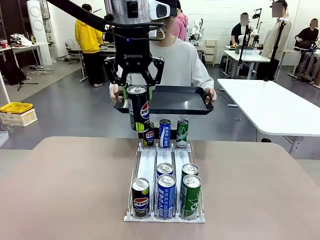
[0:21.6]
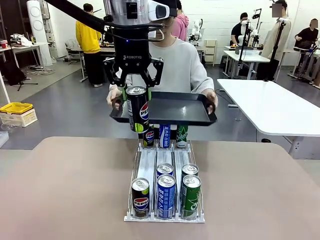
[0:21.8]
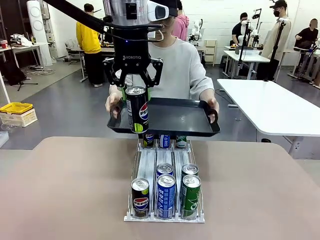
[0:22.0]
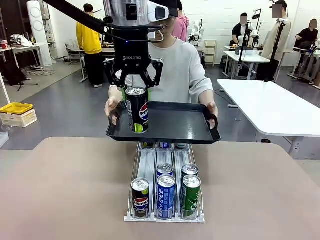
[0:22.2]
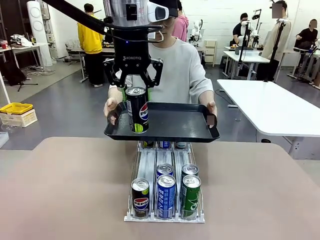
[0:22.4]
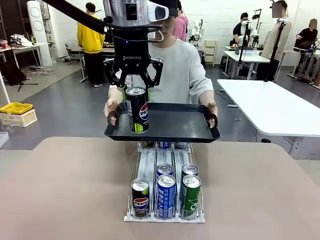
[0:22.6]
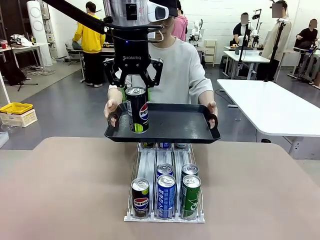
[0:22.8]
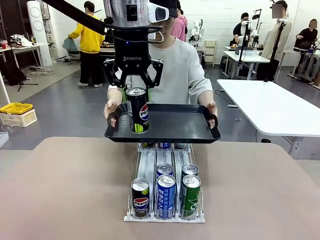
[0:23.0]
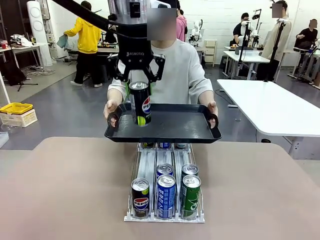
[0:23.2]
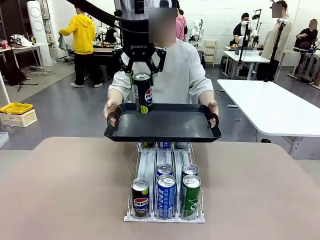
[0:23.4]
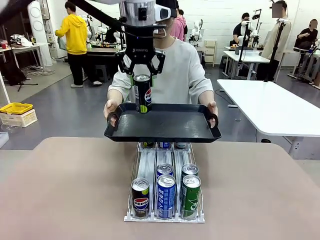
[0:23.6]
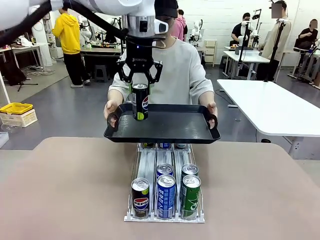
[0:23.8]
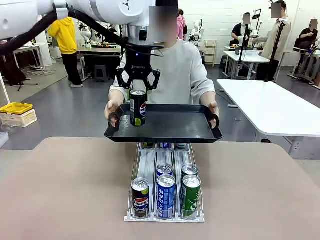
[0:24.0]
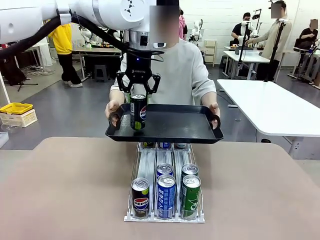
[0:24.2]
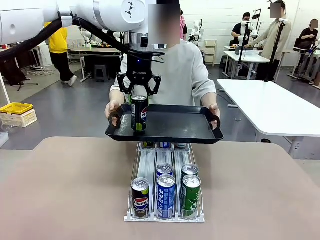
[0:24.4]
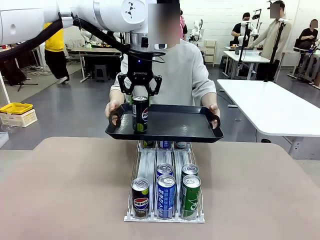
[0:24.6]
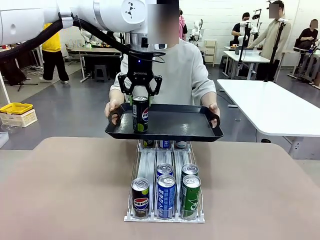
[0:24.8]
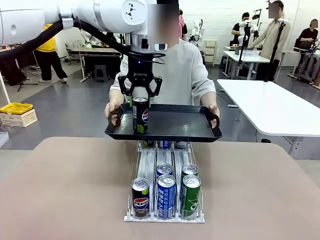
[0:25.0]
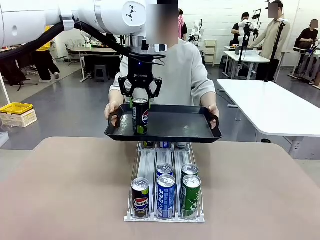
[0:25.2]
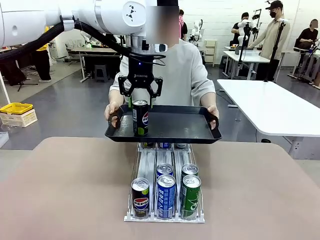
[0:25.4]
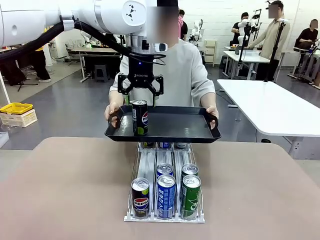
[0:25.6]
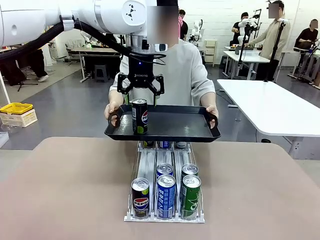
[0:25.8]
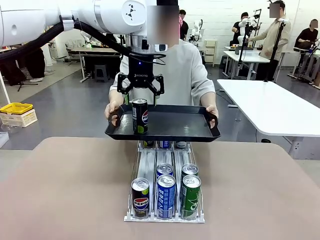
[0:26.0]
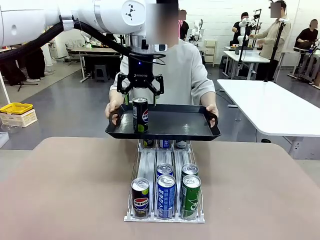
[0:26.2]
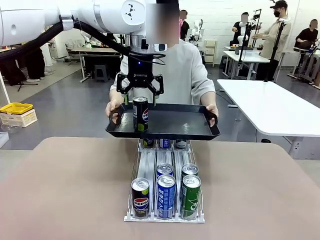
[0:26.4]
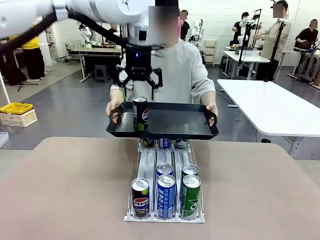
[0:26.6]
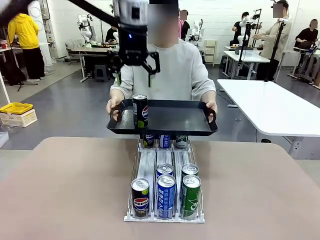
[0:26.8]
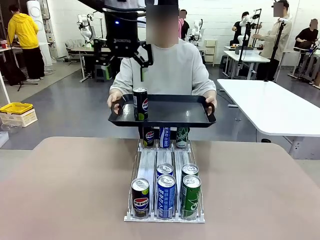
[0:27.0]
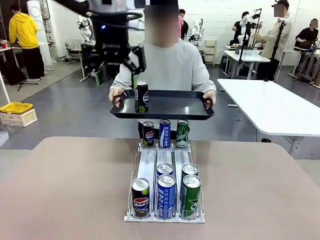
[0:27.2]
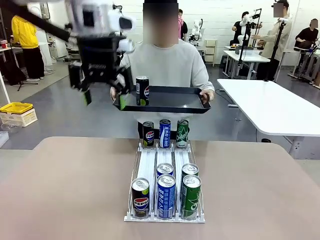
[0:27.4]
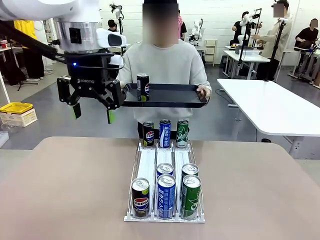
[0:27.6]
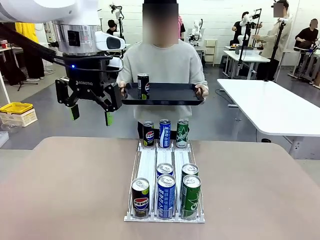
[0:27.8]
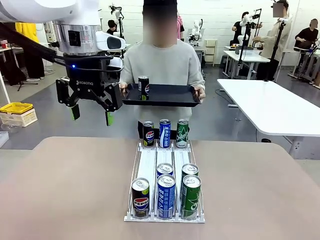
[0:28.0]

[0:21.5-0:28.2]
Task: Retrieve and hand over the desired beverage to the person.
Robot: Place the picked can on the Handle tray extended by the person.

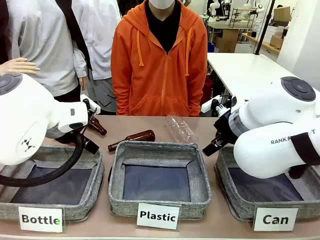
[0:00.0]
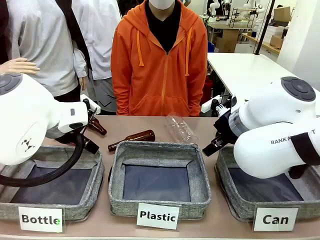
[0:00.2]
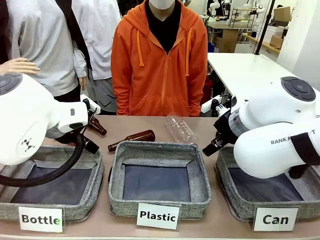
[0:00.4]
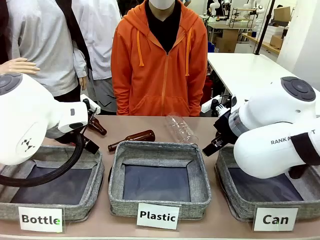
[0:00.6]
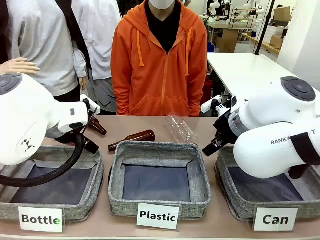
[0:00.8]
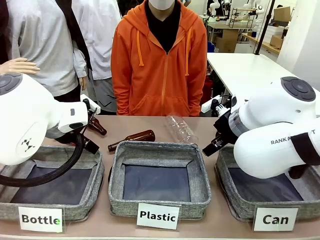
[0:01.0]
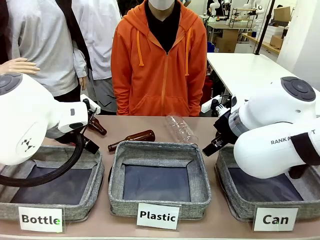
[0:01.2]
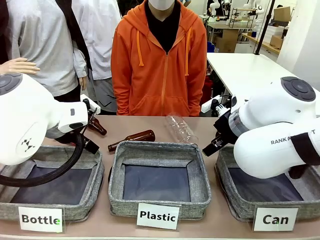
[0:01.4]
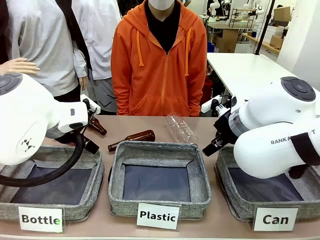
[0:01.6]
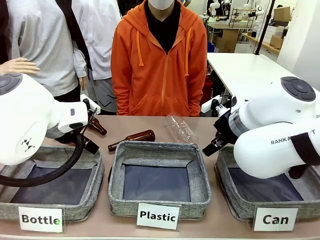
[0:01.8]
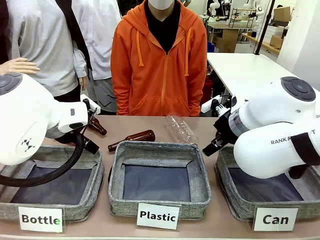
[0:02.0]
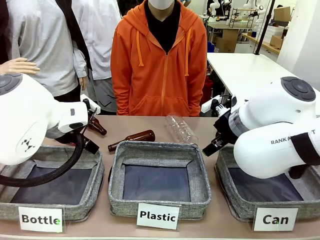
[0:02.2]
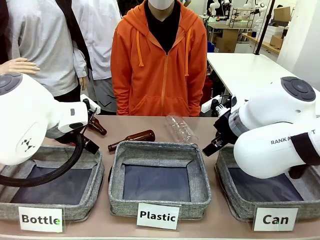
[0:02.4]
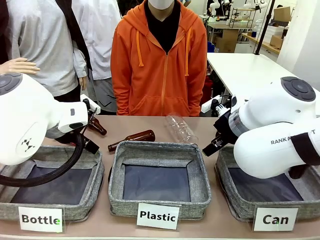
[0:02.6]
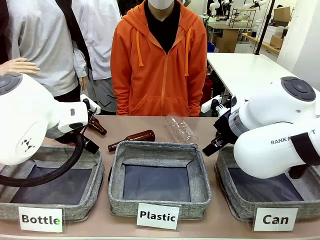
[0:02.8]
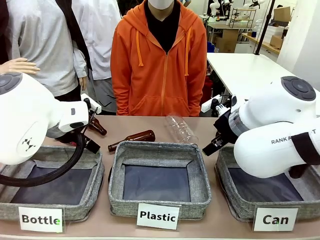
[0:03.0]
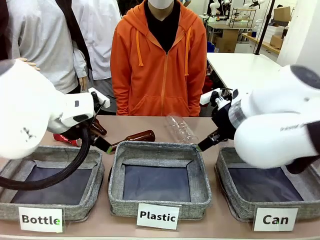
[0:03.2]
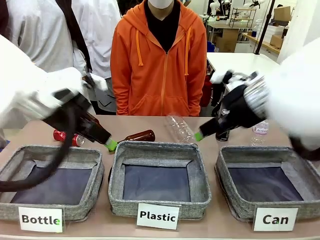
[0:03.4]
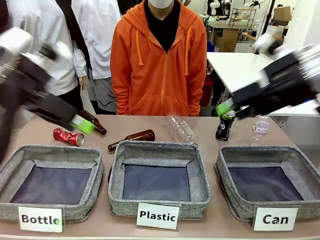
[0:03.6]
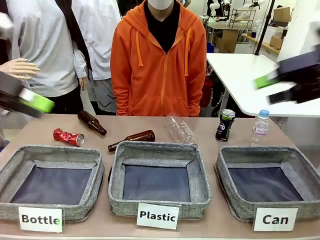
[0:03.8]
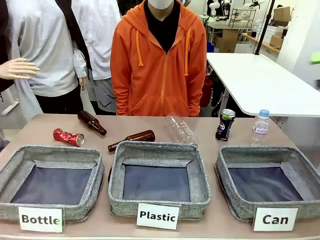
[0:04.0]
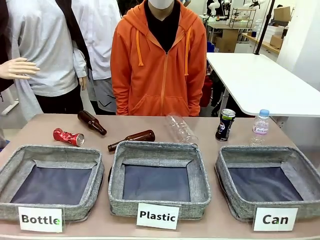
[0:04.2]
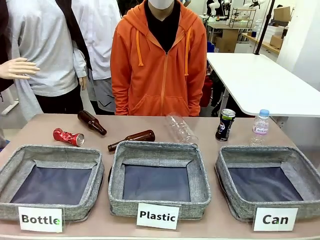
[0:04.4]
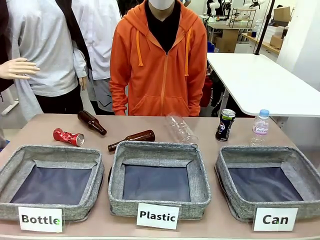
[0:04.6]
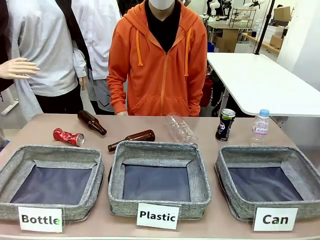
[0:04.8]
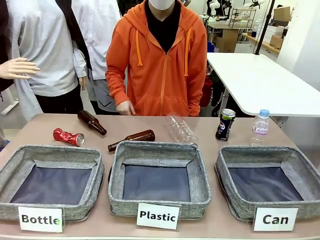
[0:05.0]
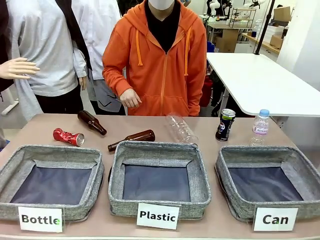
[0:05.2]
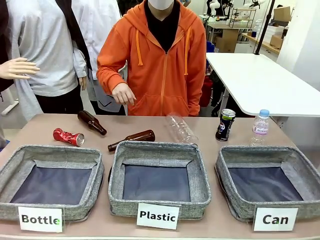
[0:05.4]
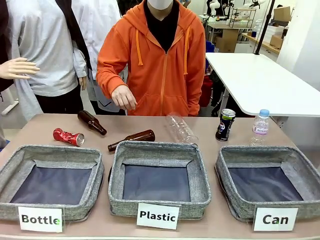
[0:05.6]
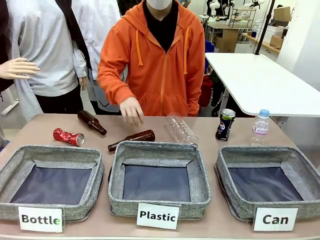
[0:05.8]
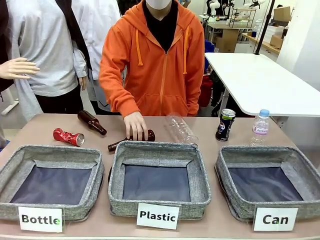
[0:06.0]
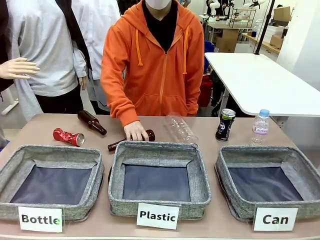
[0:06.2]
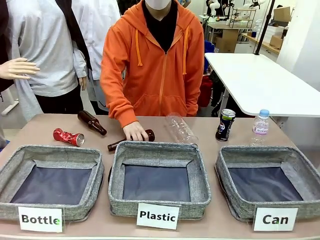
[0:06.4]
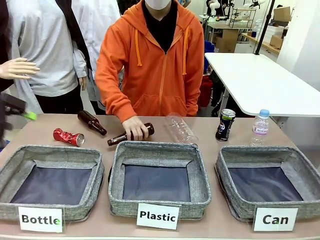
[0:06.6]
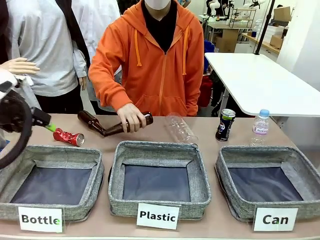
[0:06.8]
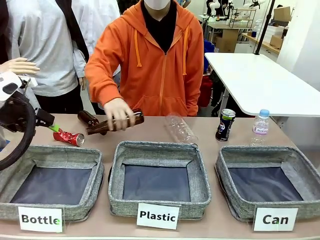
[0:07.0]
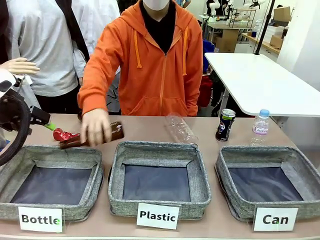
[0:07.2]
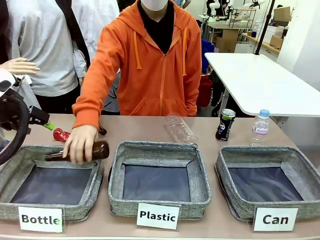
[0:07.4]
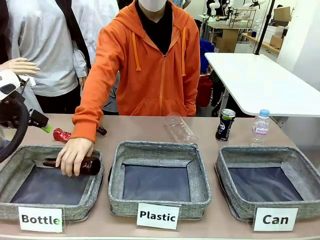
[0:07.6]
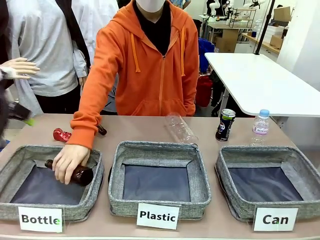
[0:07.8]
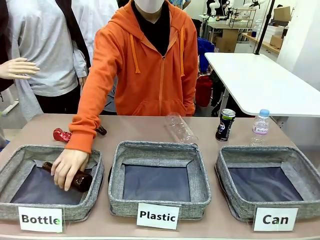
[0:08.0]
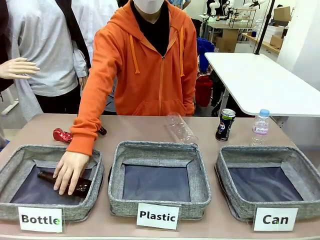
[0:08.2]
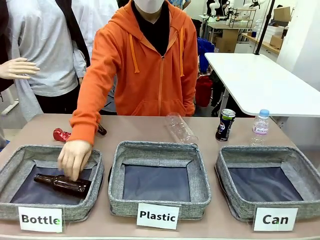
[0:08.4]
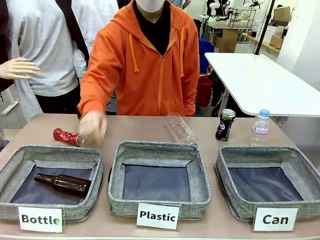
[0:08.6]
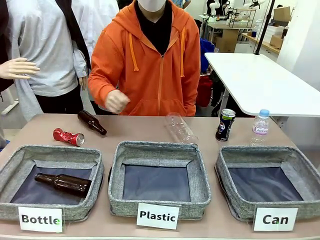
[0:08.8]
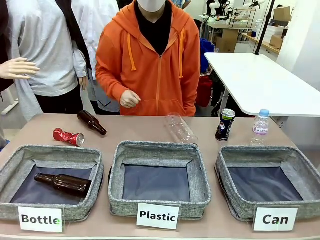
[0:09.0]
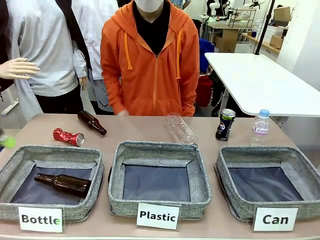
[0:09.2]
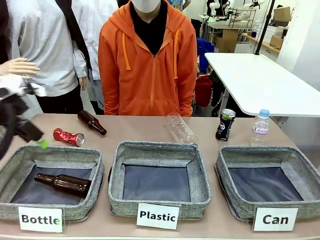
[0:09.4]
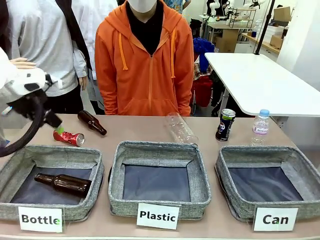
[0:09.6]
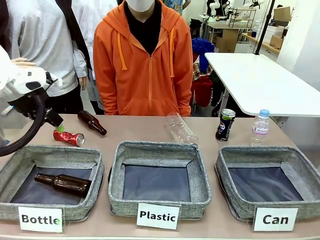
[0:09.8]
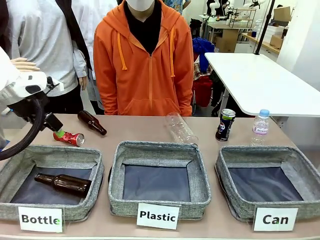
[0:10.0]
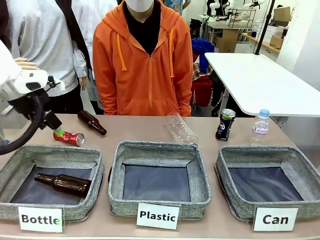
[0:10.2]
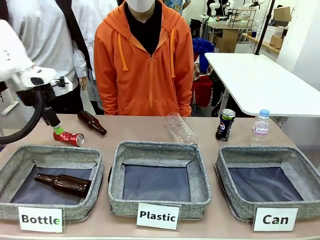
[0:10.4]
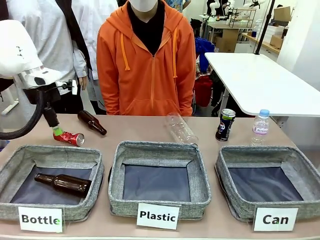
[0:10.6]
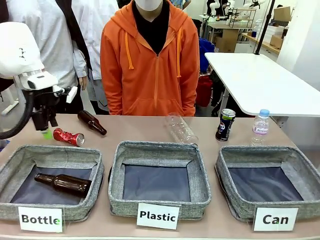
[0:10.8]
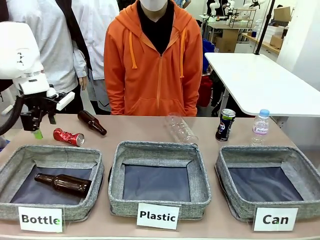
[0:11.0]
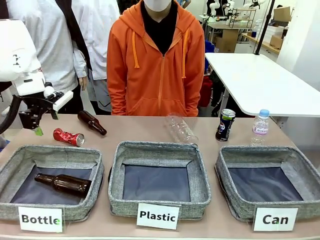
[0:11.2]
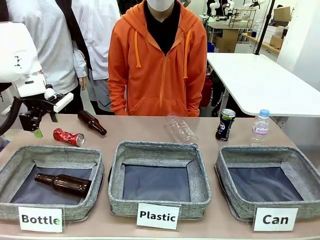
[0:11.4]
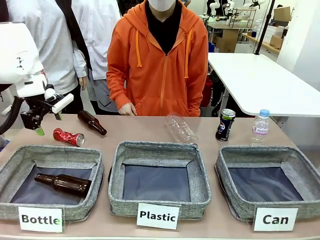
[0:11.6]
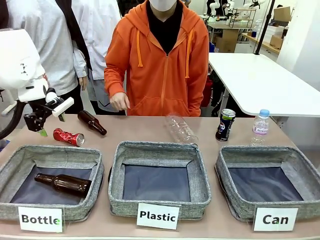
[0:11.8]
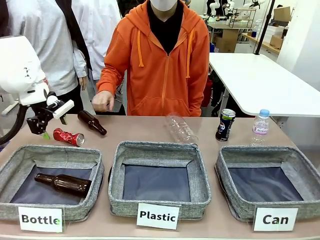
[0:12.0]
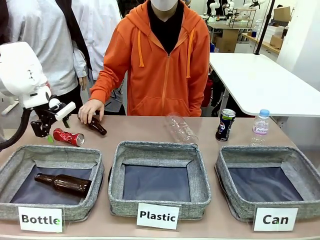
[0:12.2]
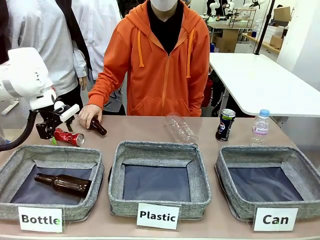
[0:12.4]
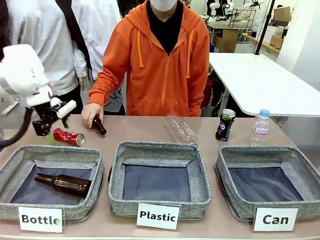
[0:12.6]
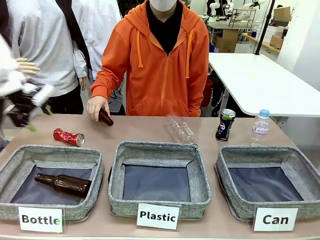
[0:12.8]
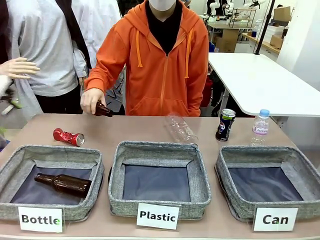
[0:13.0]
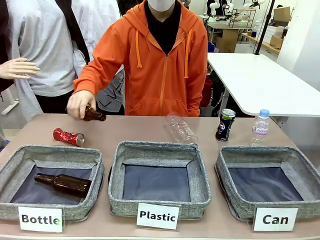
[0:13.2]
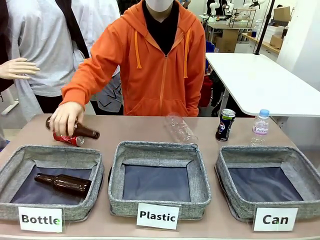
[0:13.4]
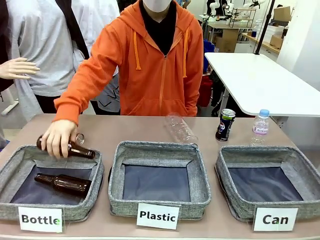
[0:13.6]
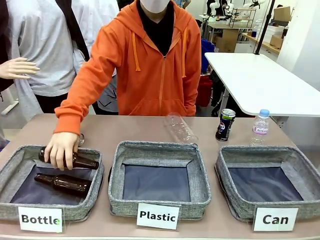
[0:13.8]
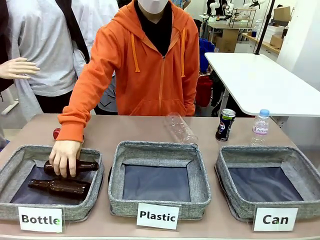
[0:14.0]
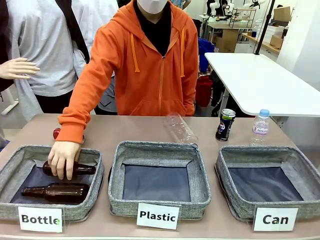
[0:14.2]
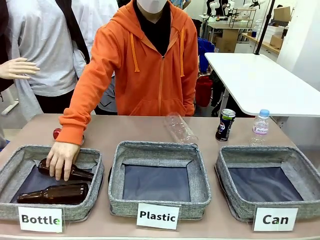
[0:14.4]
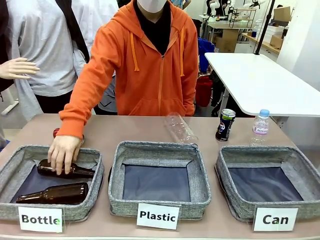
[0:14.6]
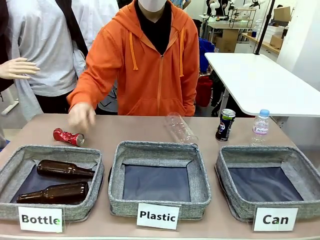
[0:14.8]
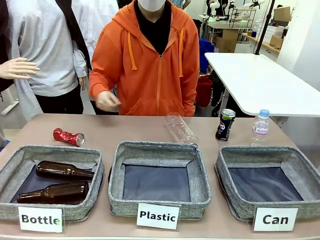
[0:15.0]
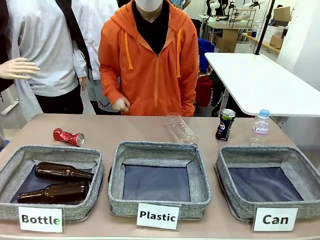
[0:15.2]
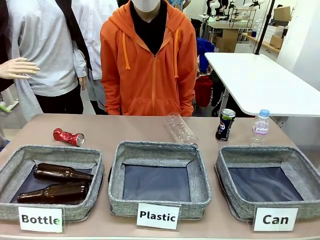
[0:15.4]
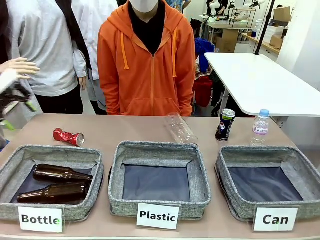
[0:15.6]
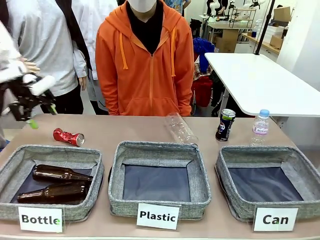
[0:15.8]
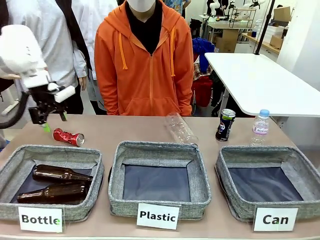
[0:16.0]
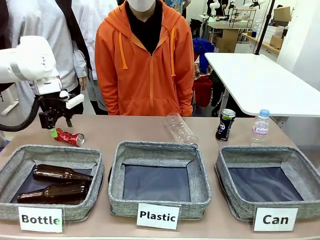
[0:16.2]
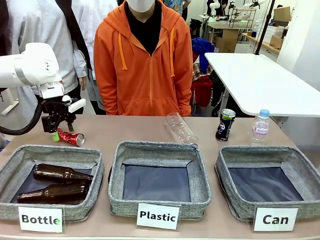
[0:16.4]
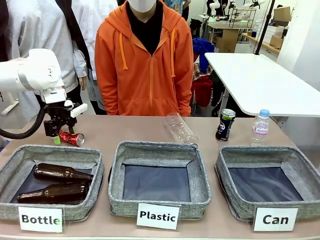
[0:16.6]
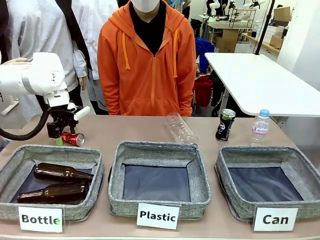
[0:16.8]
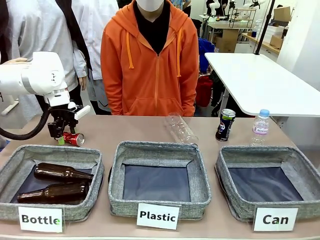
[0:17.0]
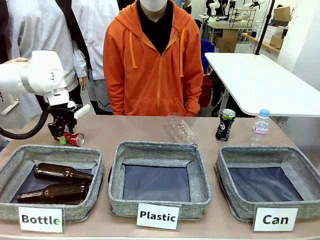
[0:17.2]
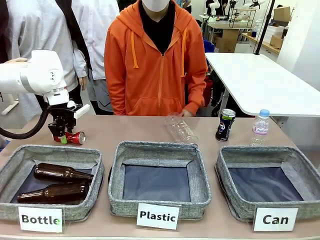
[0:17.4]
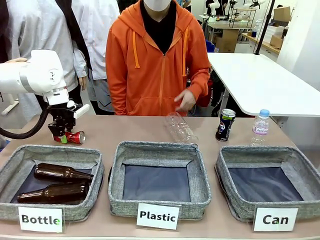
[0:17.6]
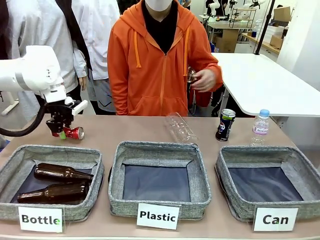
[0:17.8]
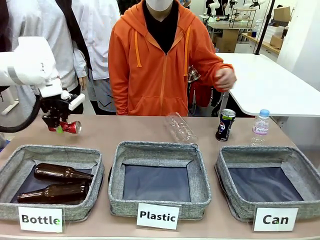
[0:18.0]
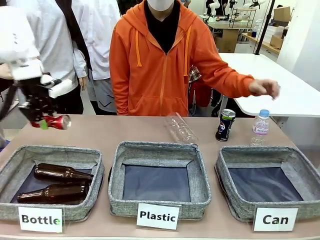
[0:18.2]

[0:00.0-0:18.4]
Task: Sort the can waste into the basket.
Robot: Pick up the can waste from the table and place it in the right Fabric basket.
